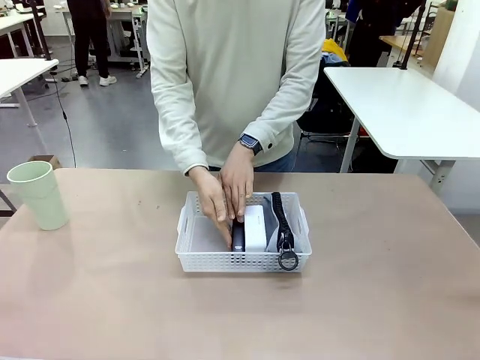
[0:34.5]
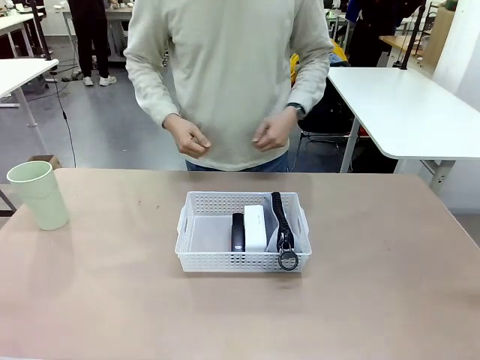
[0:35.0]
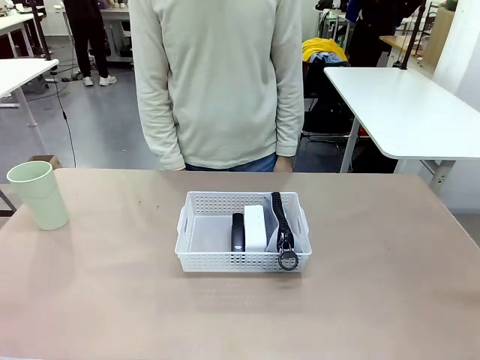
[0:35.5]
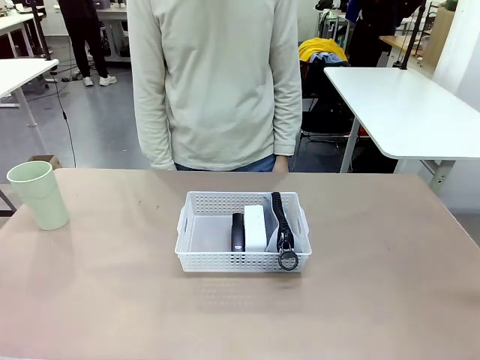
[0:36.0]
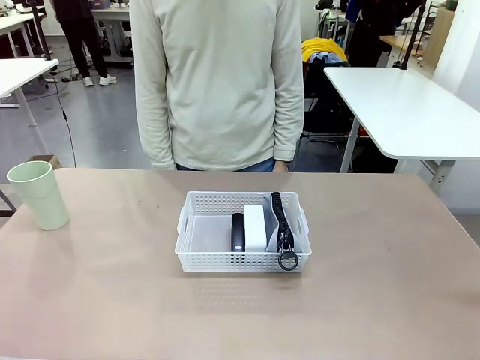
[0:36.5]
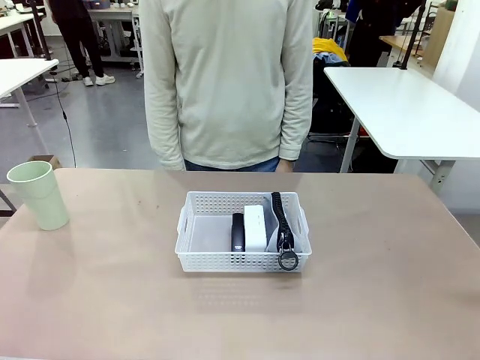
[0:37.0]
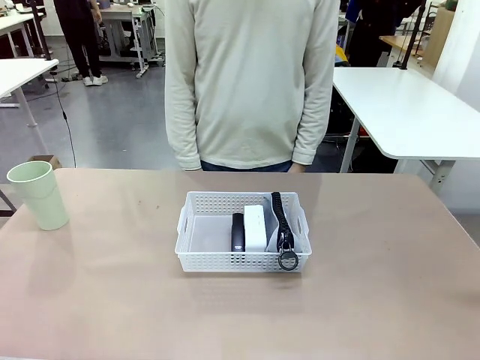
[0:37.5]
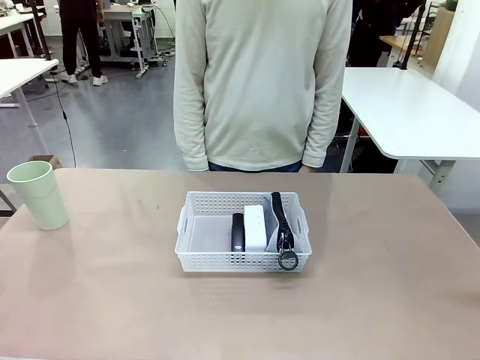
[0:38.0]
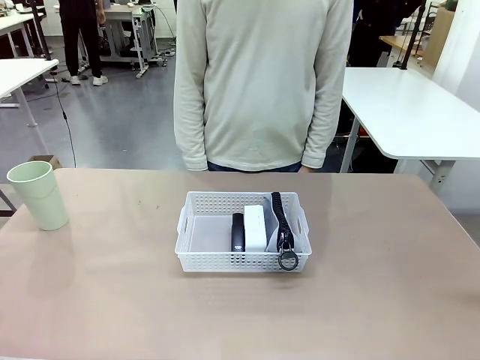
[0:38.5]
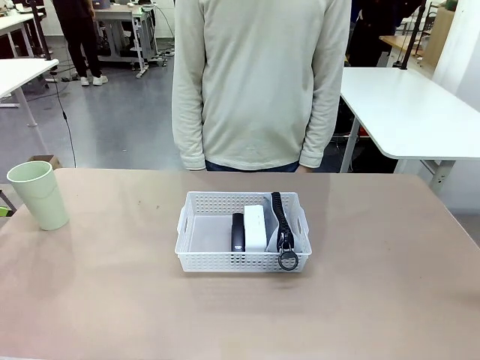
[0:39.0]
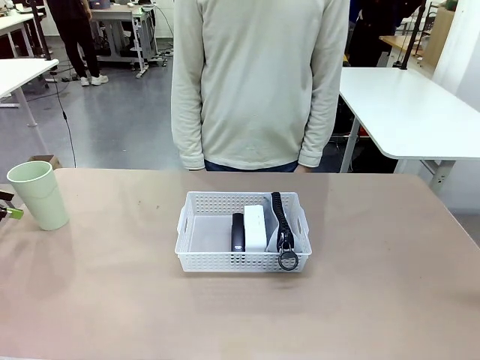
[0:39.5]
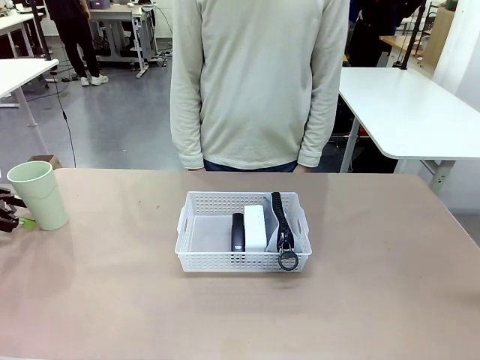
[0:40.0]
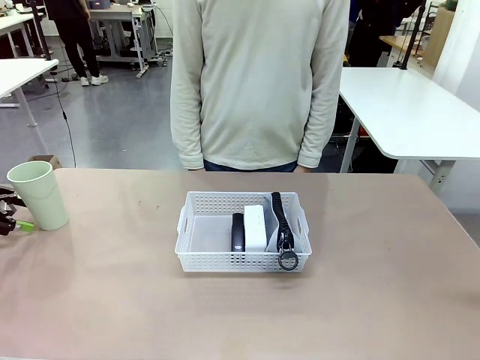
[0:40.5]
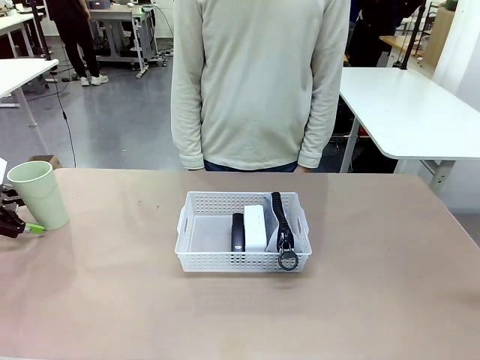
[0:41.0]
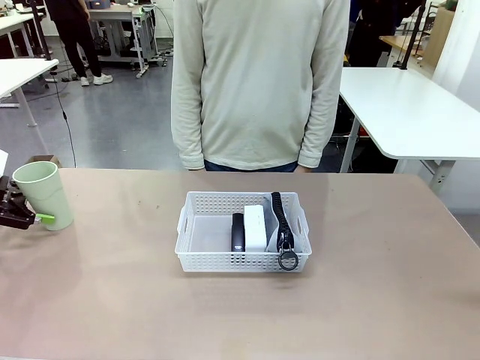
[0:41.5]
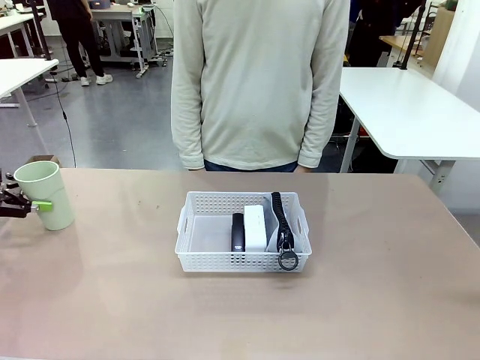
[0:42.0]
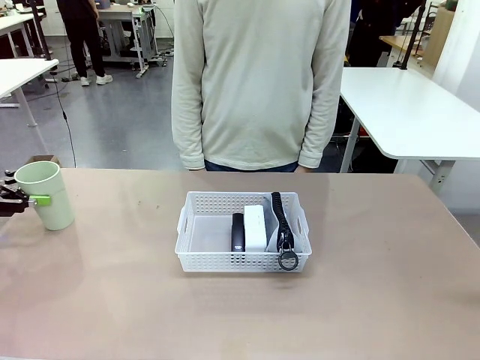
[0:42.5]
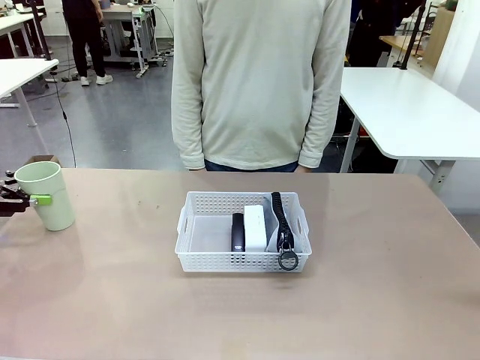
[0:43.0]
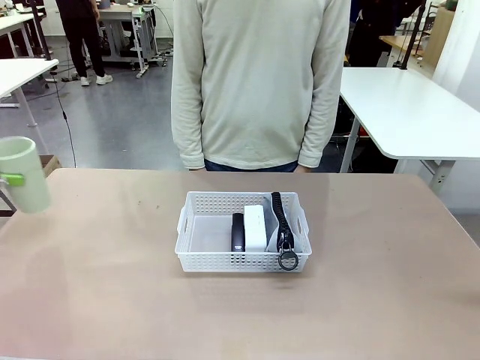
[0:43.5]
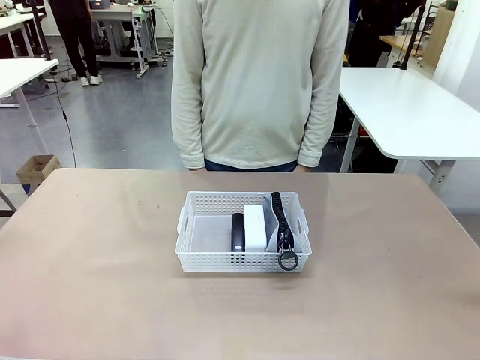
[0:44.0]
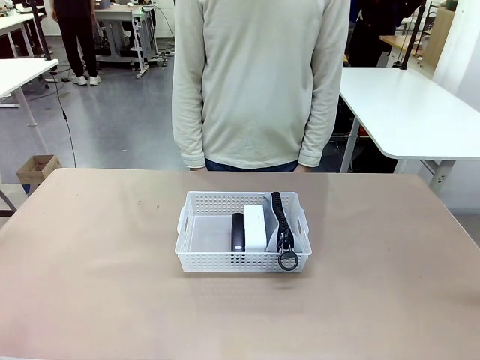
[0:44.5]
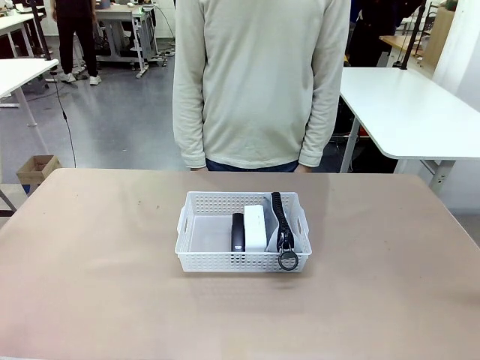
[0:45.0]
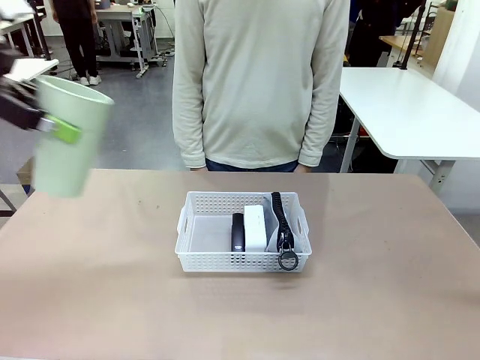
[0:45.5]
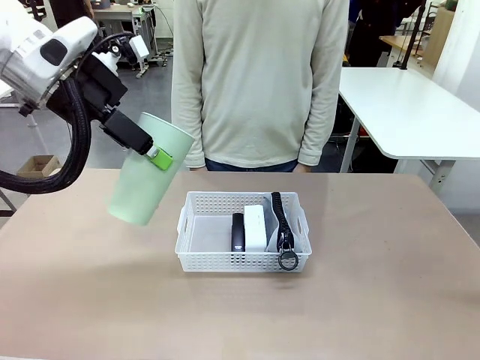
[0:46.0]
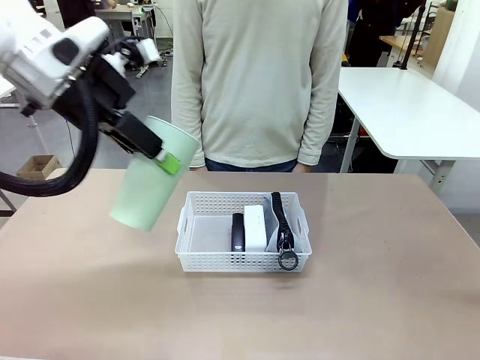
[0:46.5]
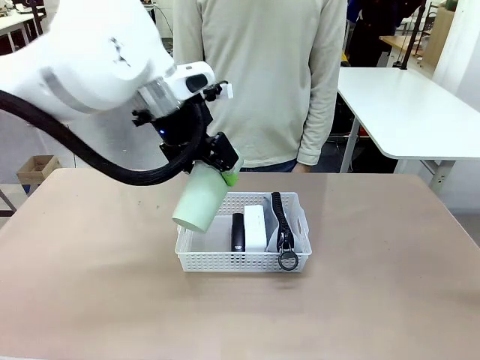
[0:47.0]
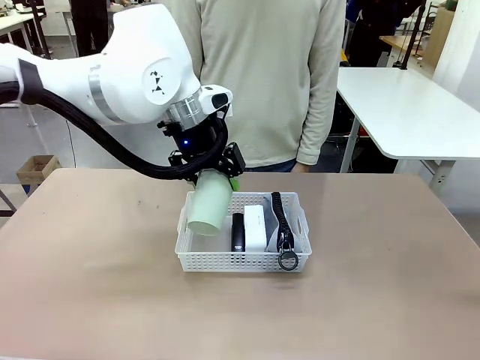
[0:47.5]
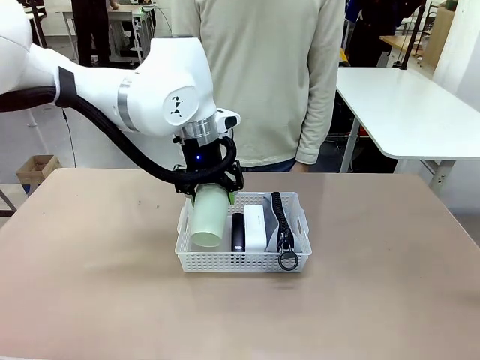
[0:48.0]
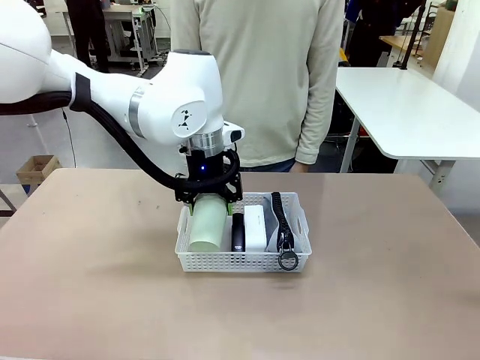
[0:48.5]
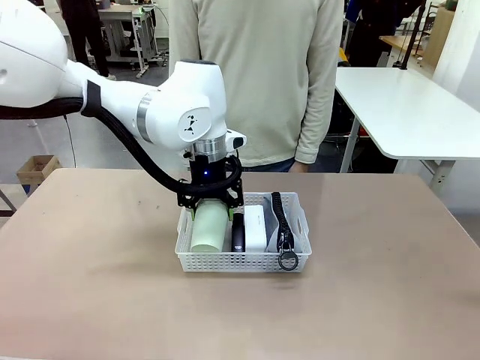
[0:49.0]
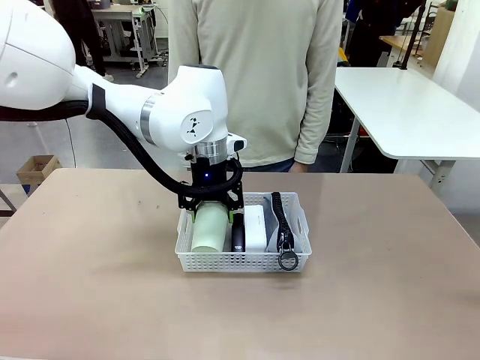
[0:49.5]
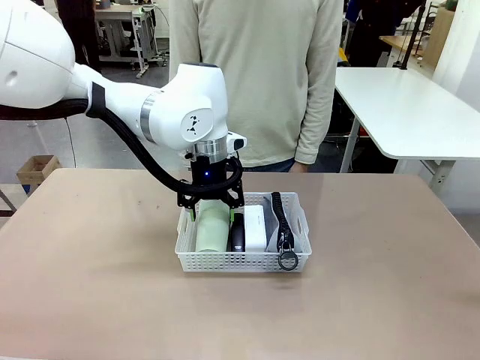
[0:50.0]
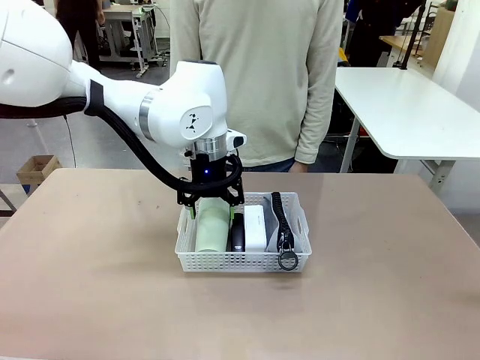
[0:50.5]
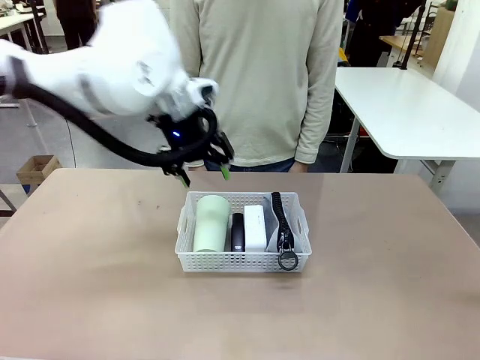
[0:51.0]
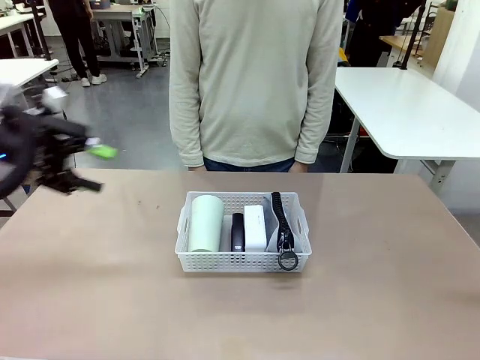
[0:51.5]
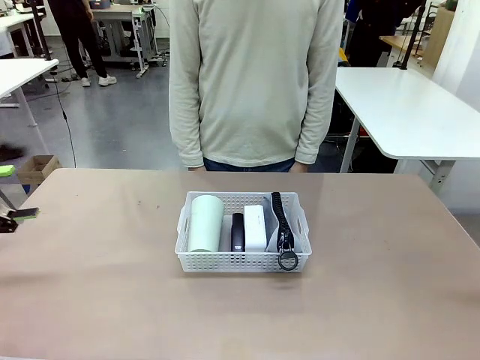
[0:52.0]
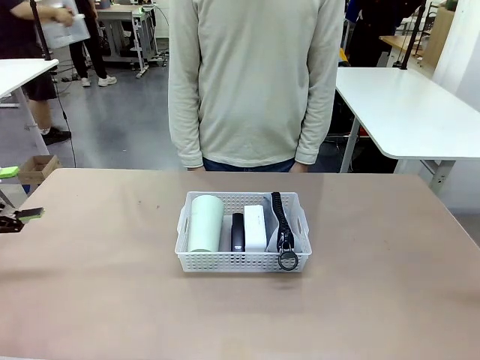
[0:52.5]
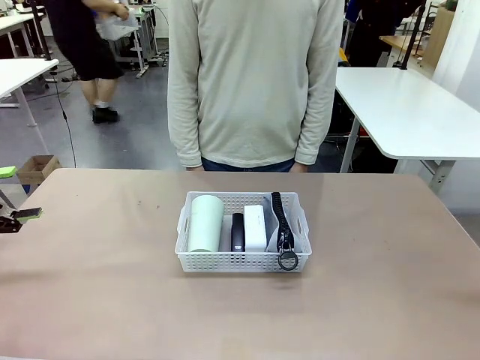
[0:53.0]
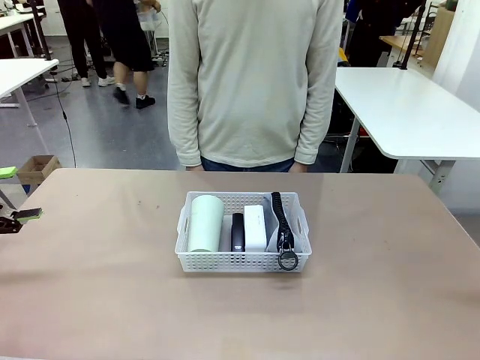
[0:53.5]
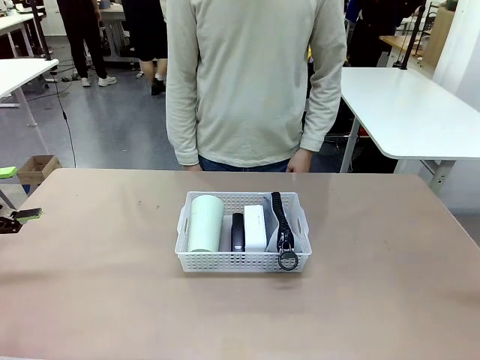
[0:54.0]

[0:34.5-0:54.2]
Task: Efficiently arrange items inside the basket to fit them all.
Robot: Pick up the Reusable plastic cup and place it inside the Organizing basket.
Person: Repositions the stapler.

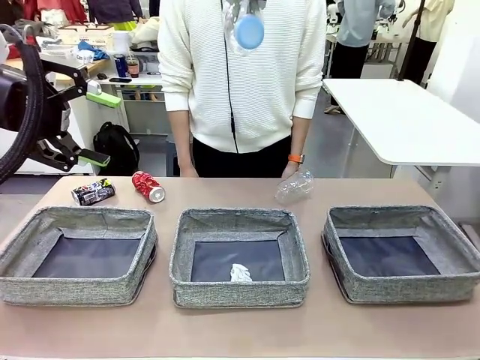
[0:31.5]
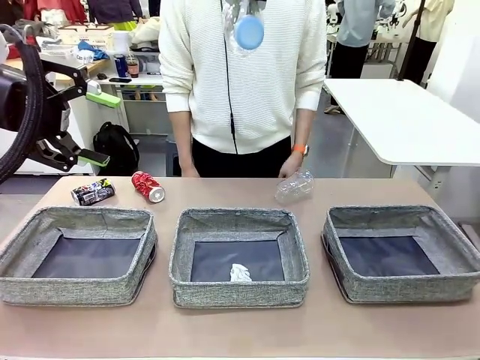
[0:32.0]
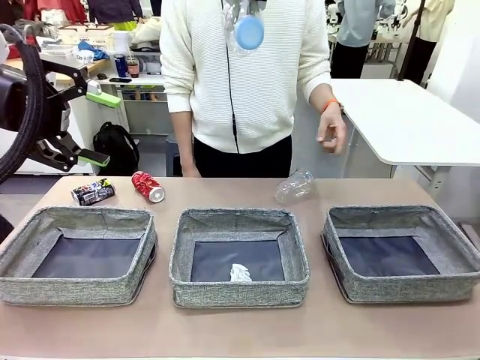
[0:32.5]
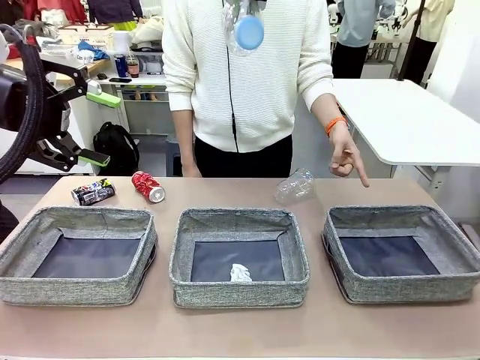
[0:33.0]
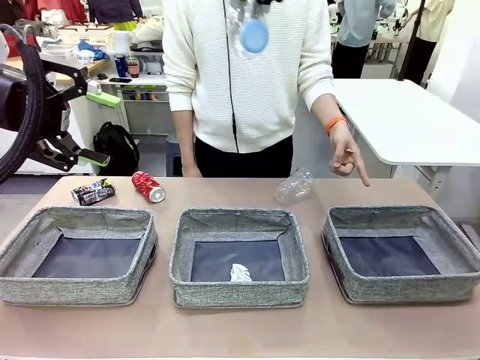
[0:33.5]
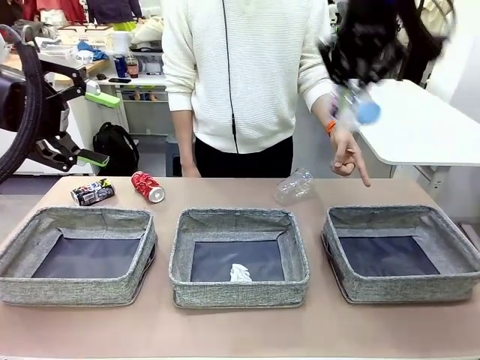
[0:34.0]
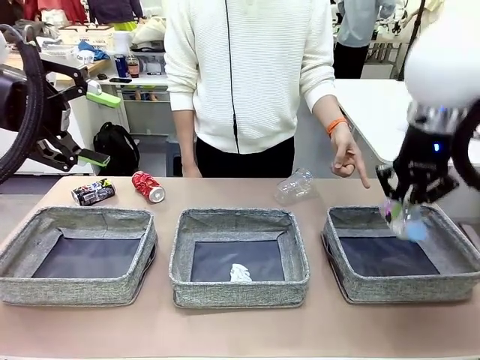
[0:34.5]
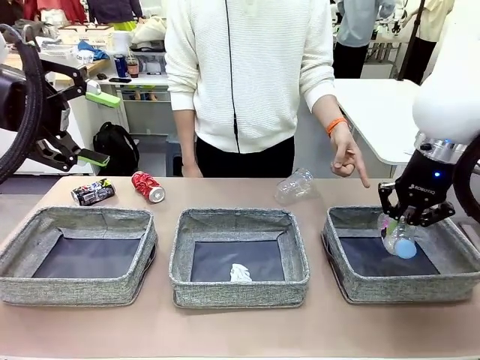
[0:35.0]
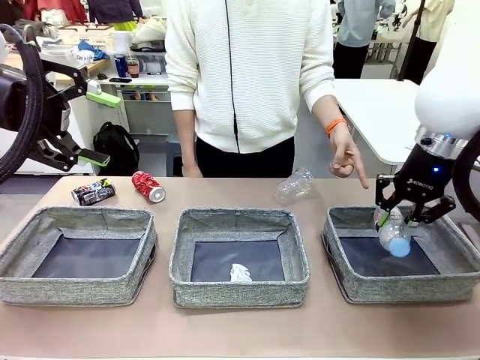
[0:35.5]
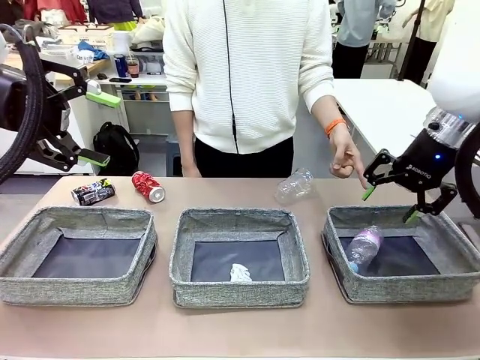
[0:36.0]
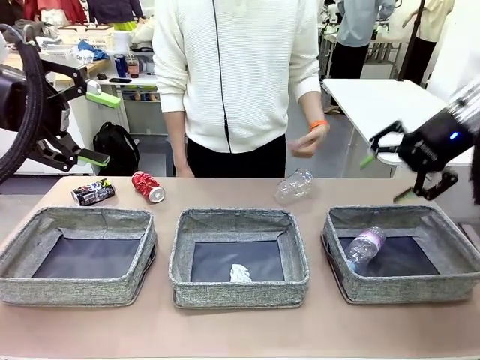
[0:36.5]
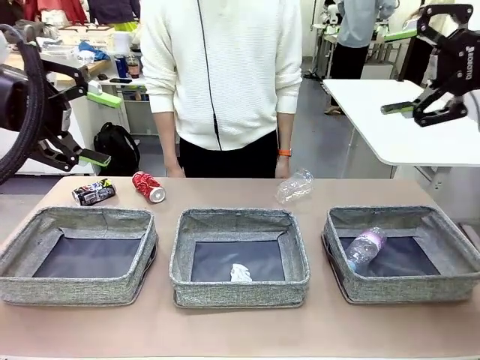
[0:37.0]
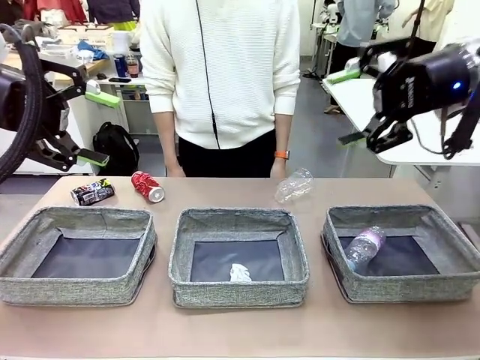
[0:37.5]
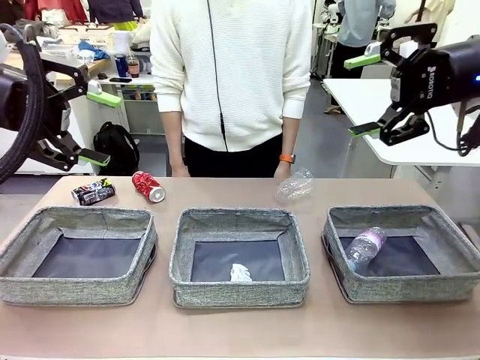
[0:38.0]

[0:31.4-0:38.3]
Task: Sort the waste into the appropriate baskets.
Robot: Place the picked waste into the Fabric basket indicated by the person.
Person: Instructs the robot to place the picked-up trash into the appropriate organizing basket.
